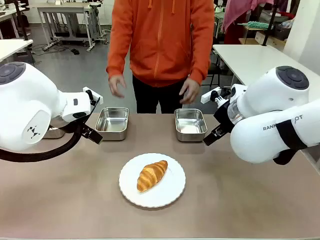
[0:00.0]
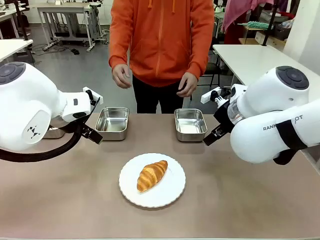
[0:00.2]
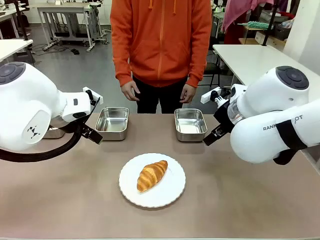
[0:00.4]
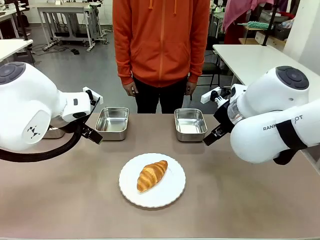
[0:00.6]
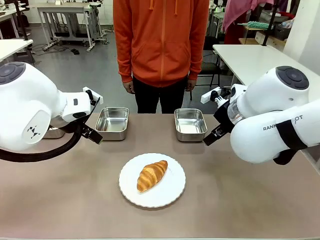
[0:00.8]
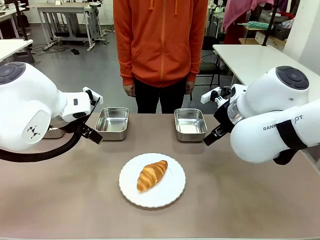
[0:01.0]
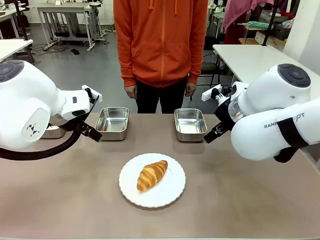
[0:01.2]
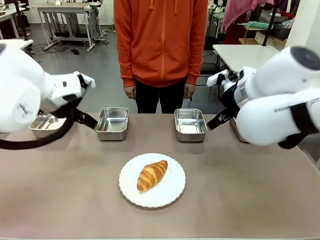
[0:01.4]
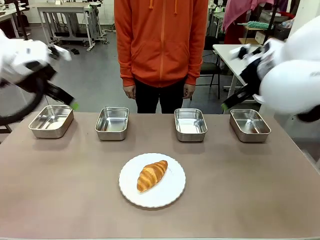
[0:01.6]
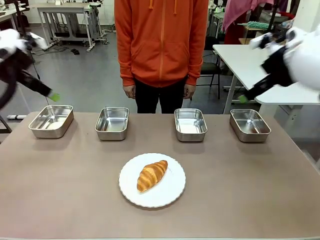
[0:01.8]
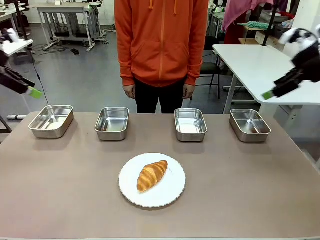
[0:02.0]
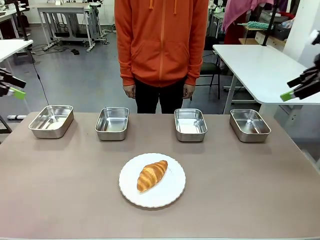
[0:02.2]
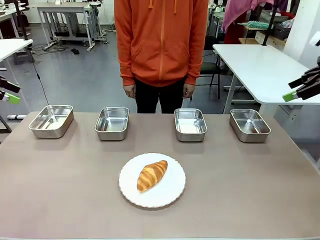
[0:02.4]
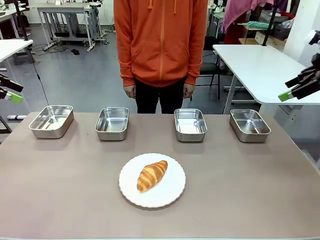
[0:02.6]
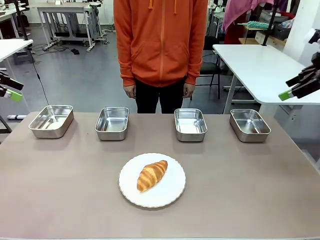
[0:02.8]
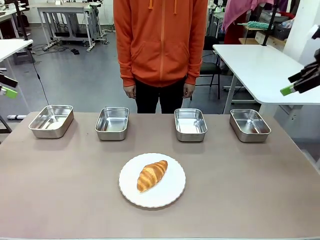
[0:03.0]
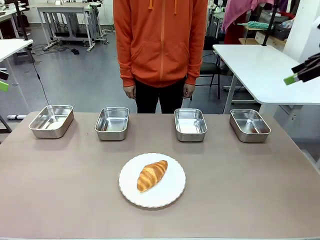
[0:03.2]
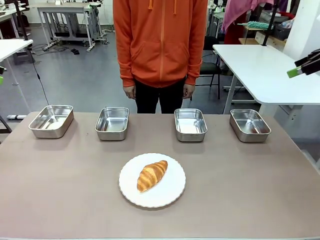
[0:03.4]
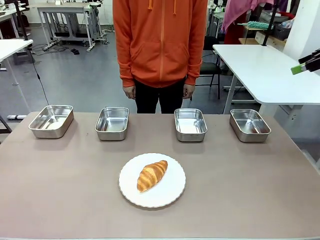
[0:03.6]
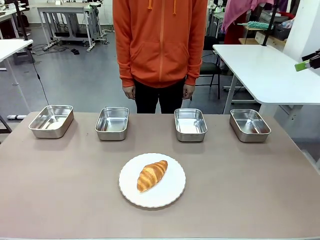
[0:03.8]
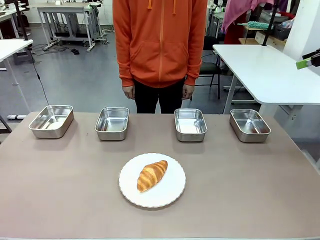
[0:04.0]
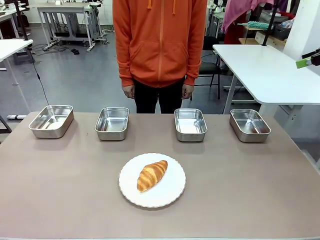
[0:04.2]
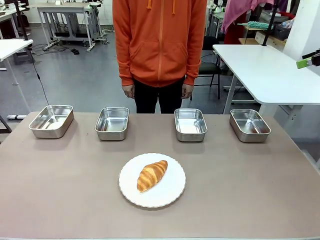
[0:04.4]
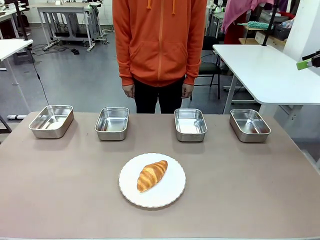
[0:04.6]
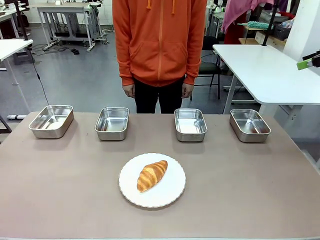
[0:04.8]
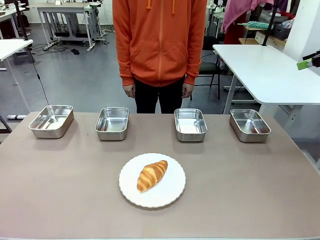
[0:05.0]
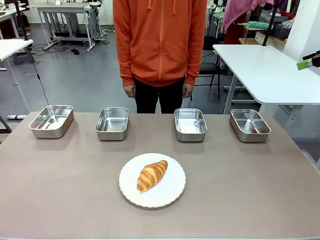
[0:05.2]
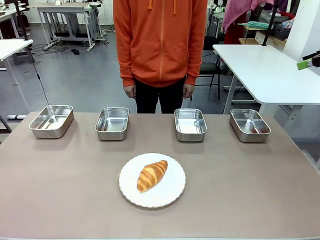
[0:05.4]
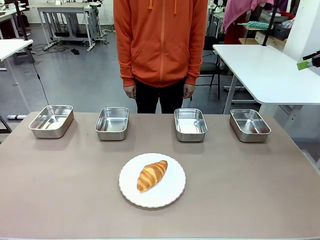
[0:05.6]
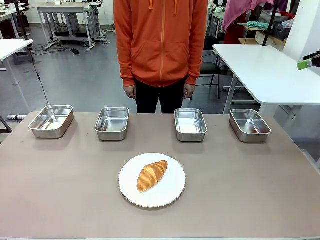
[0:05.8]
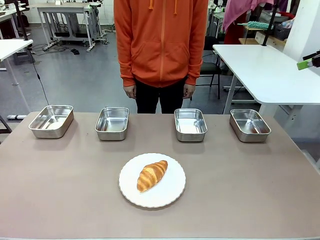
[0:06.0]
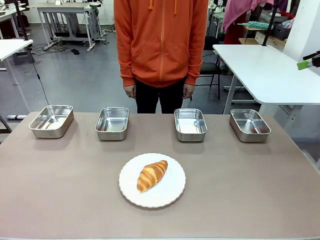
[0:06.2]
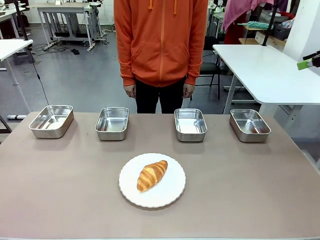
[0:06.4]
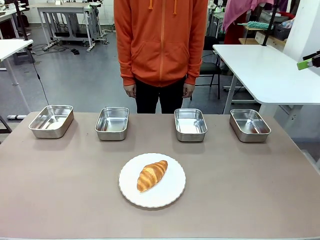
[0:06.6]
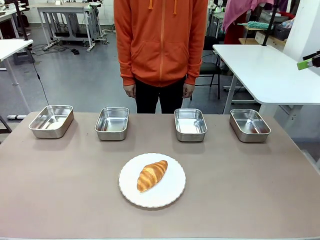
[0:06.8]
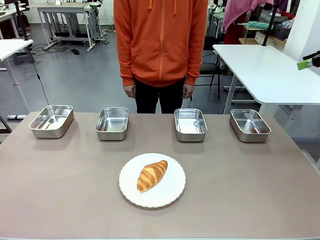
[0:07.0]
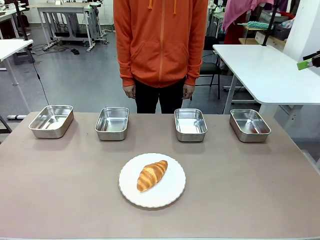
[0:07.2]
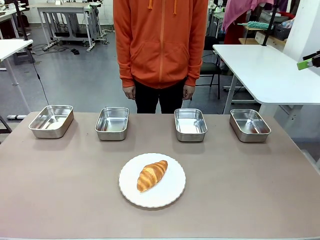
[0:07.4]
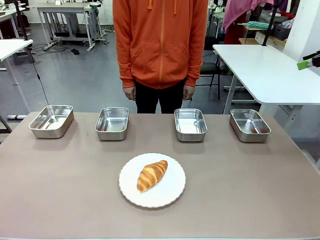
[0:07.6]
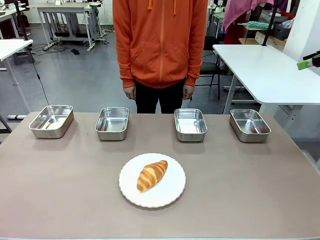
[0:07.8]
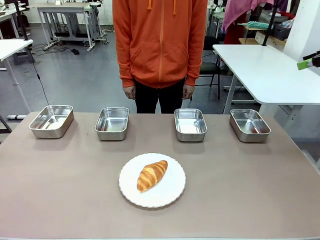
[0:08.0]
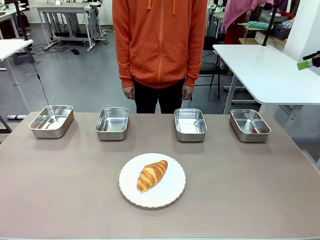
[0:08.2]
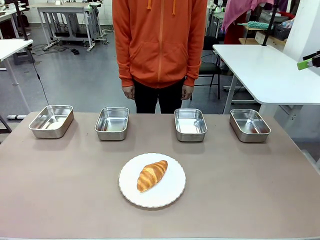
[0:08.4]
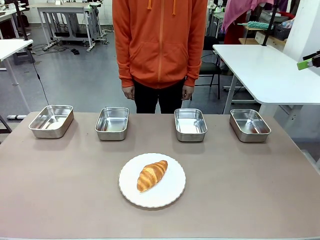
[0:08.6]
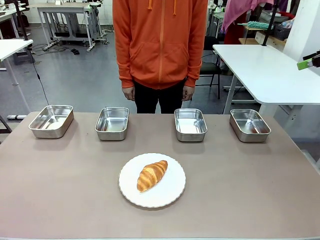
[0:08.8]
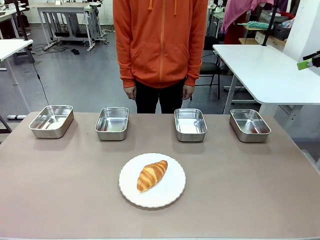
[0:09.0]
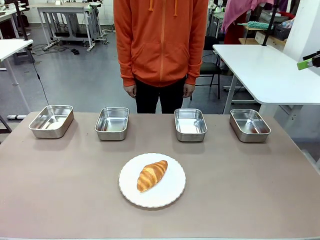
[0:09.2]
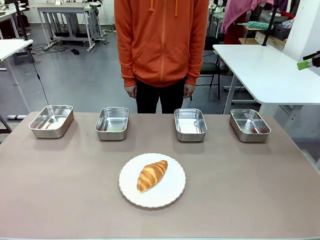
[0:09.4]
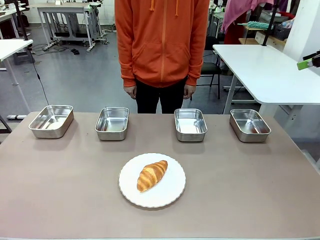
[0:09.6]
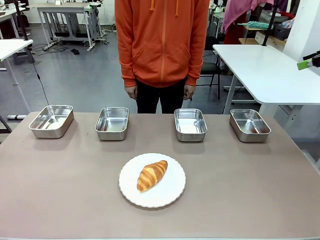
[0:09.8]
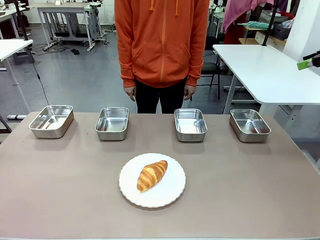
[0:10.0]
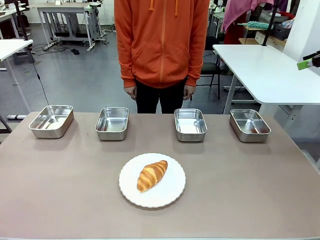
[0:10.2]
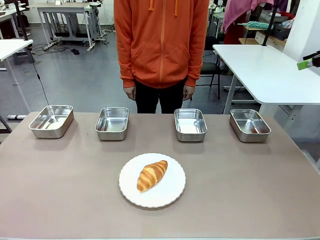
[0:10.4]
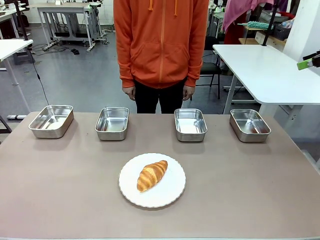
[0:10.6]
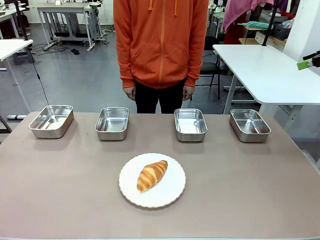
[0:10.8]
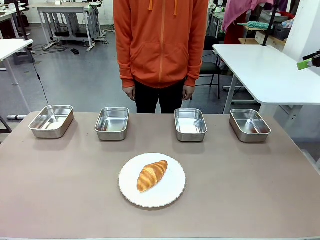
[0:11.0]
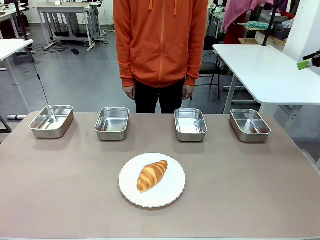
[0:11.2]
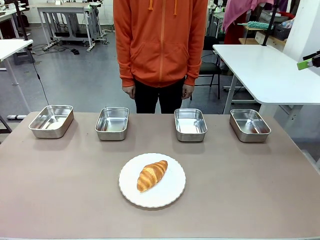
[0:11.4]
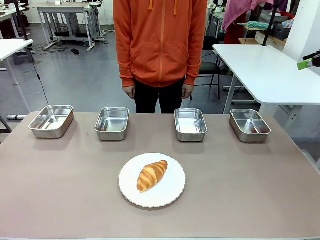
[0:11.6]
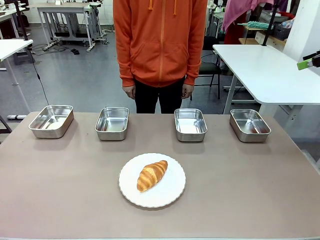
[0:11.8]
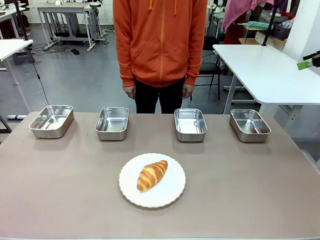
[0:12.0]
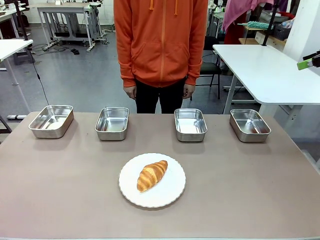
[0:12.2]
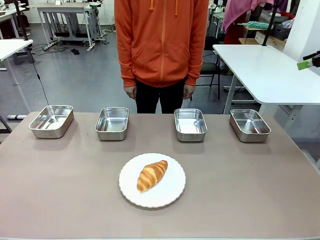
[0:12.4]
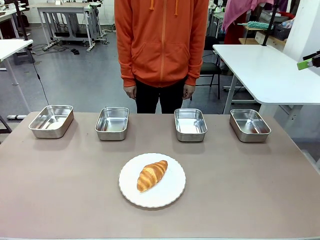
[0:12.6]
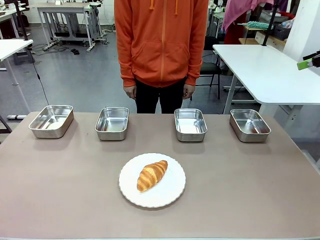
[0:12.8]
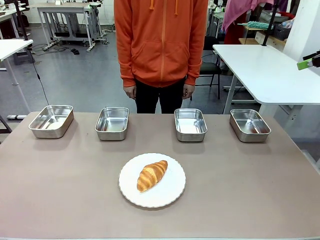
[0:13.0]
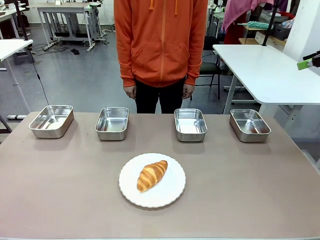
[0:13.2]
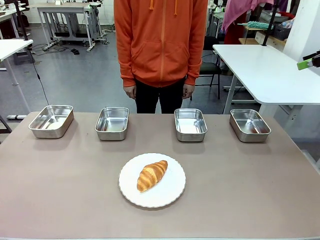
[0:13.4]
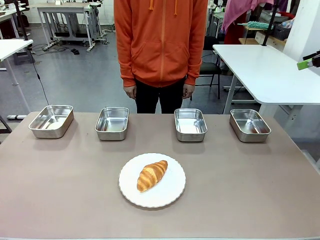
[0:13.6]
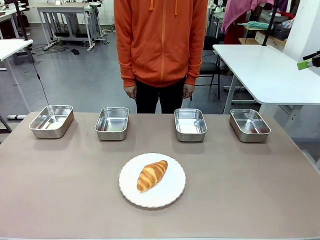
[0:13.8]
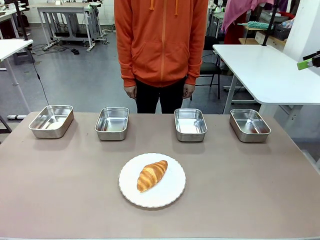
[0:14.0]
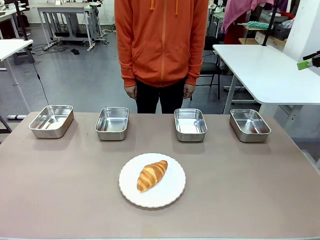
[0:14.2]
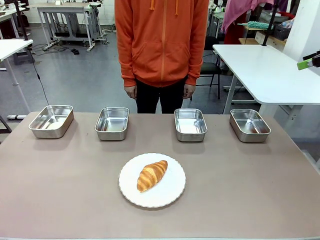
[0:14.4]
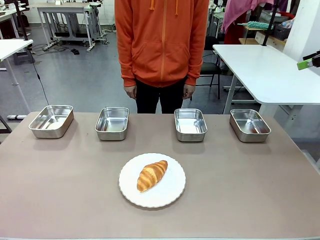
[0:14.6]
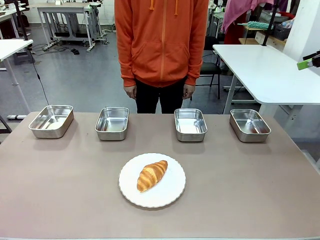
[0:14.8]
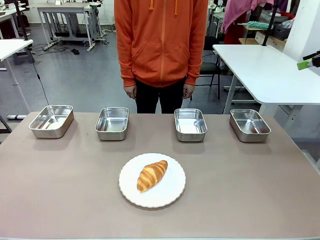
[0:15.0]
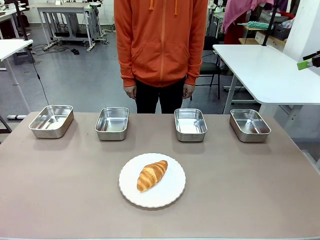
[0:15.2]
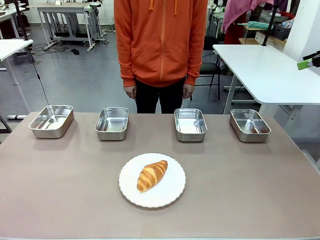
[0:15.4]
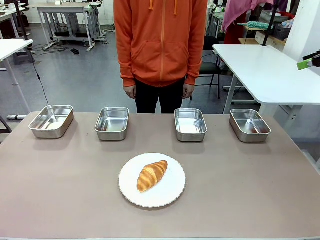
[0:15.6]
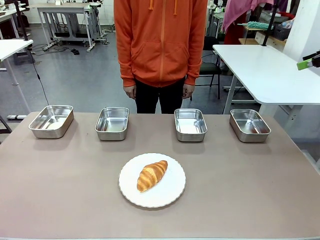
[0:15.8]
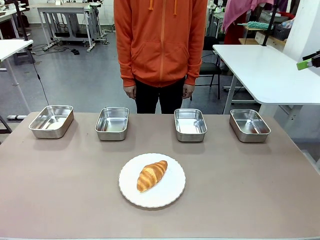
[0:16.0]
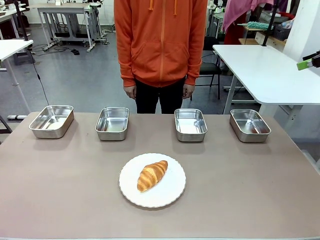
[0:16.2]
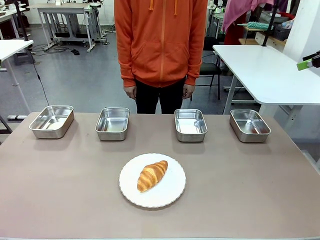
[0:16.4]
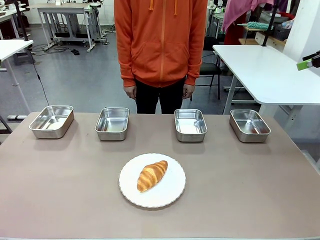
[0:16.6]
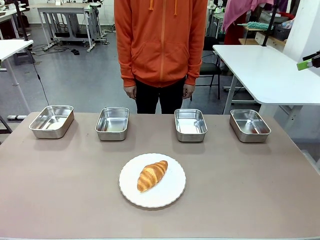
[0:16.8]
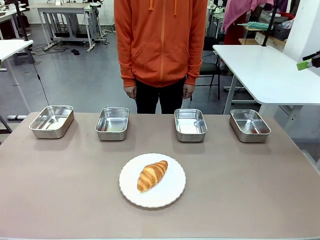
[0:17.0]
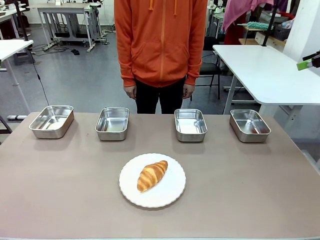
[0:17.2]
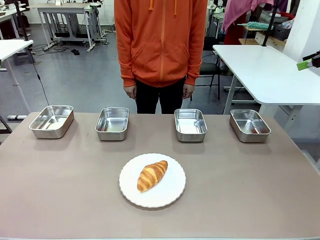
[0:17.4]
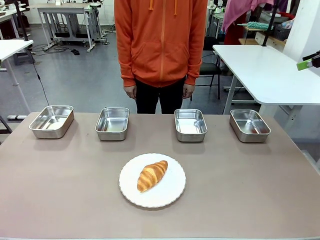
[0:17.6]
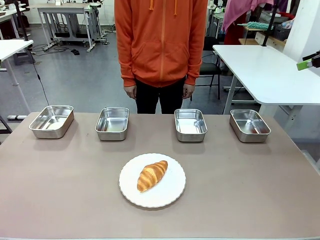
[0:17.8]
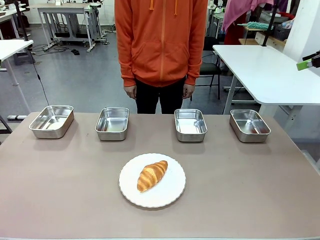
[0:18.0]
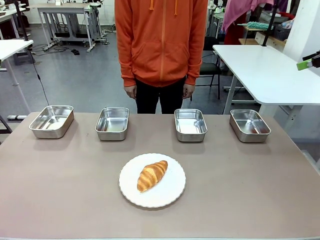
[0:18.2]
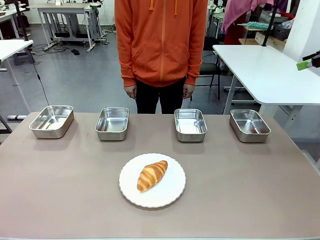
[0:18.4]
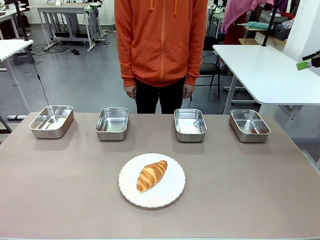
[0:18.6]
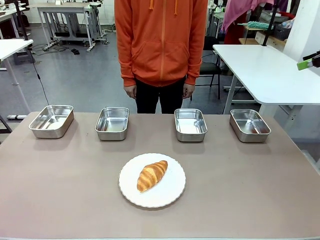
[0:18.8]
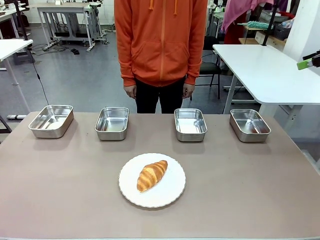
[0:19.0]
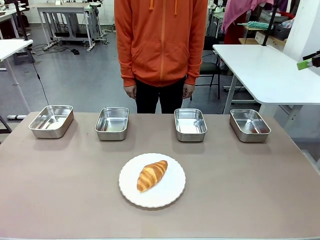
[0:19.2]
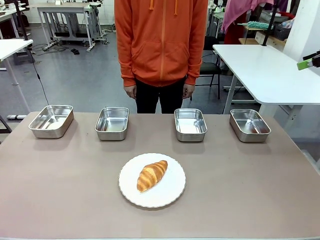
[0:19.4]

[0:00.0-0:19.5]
Task: Place the bread in the container.
Robot: Place the Butter Roll into the Airtight Container indicated by the human.
